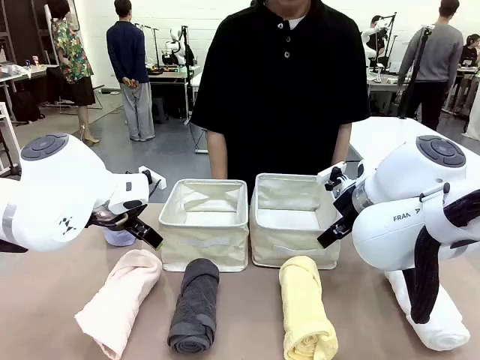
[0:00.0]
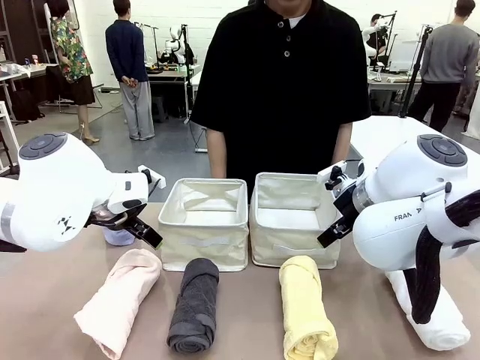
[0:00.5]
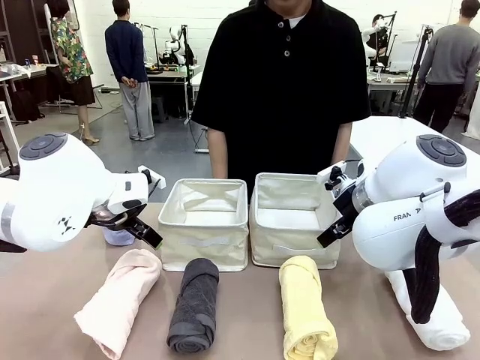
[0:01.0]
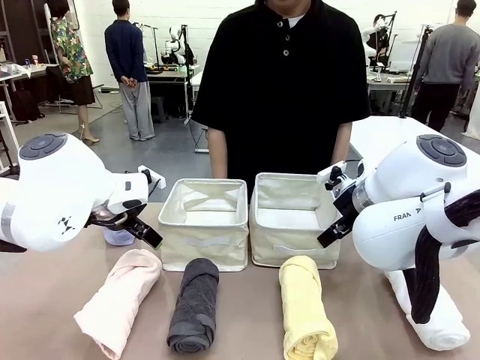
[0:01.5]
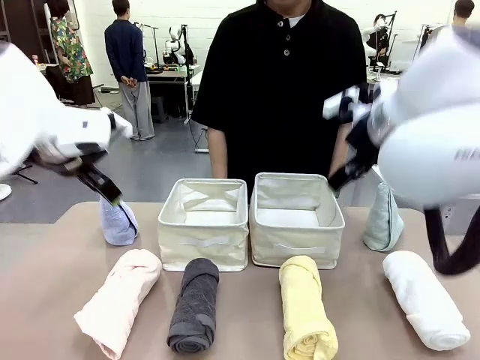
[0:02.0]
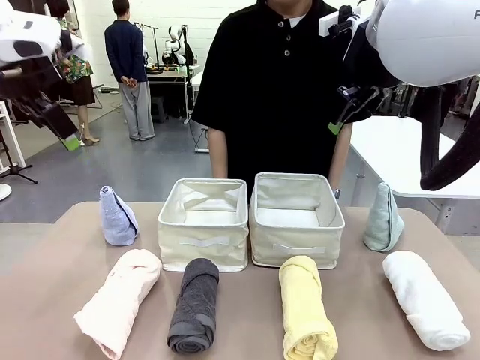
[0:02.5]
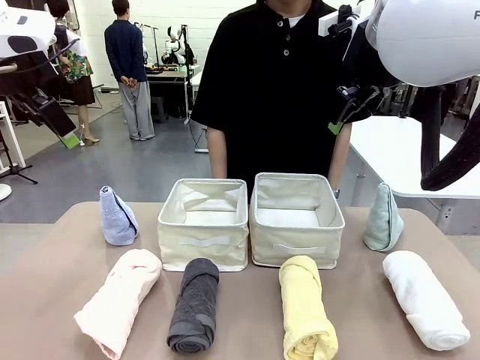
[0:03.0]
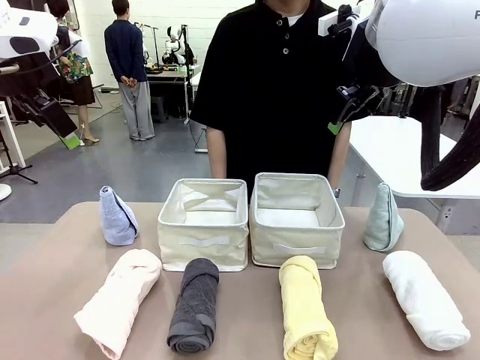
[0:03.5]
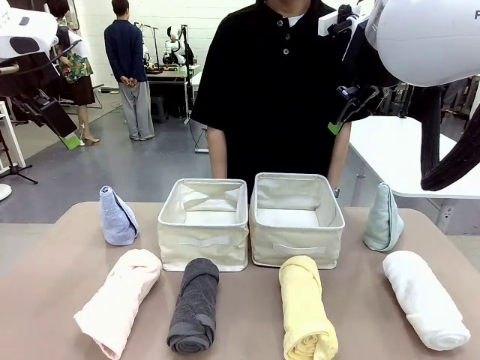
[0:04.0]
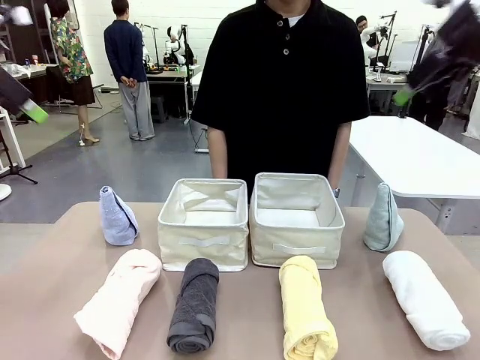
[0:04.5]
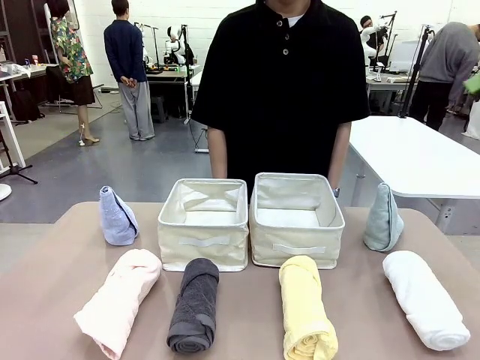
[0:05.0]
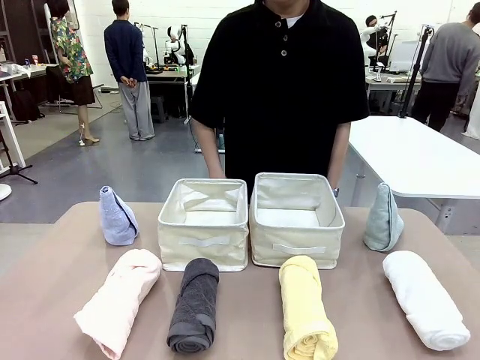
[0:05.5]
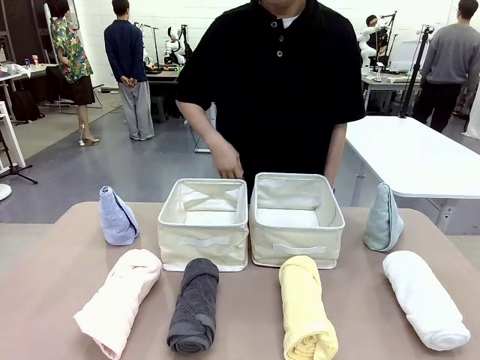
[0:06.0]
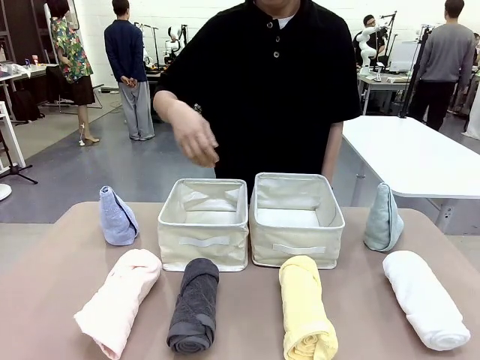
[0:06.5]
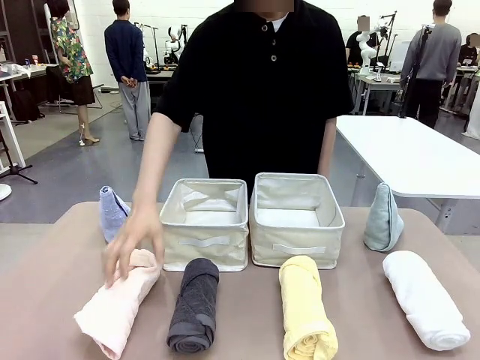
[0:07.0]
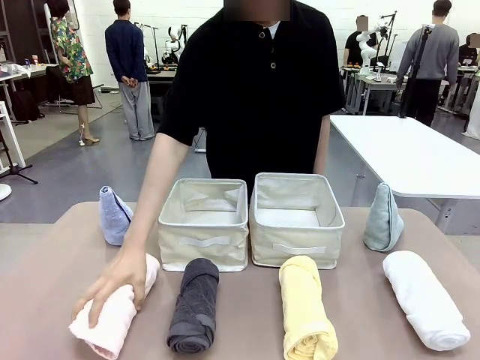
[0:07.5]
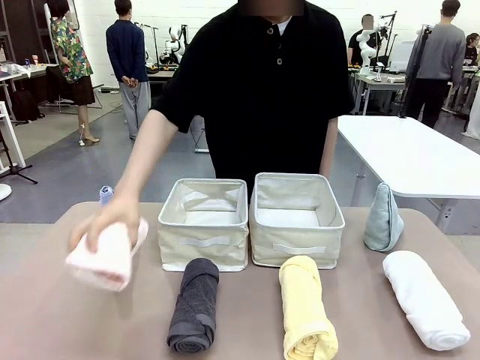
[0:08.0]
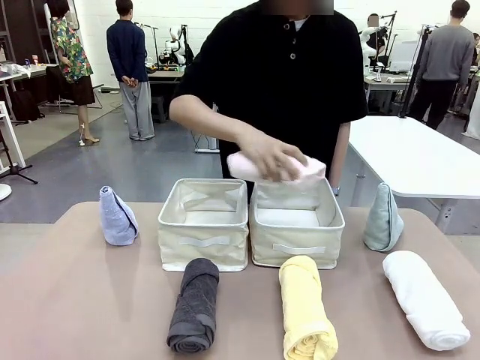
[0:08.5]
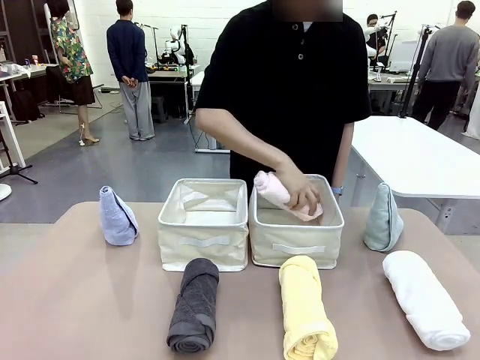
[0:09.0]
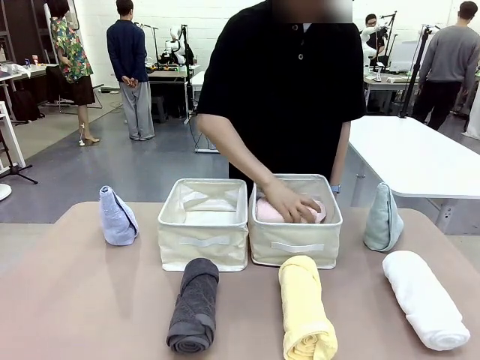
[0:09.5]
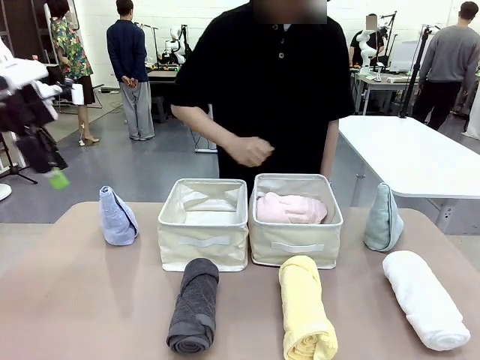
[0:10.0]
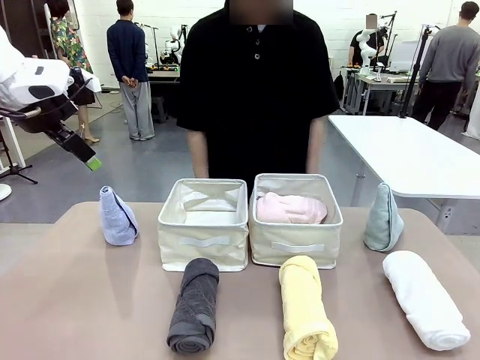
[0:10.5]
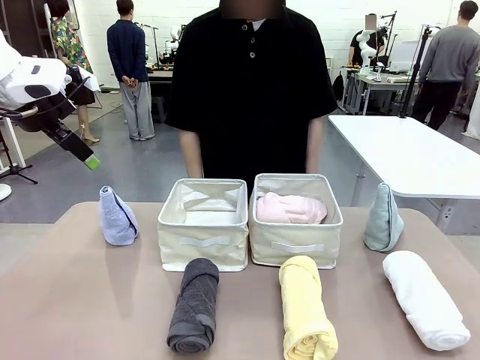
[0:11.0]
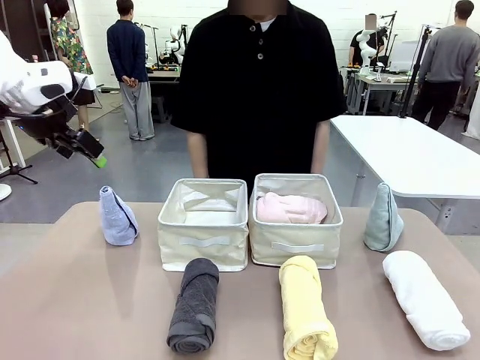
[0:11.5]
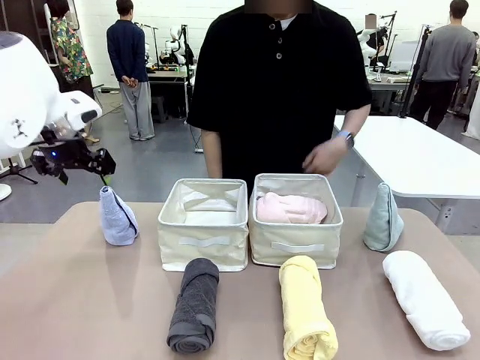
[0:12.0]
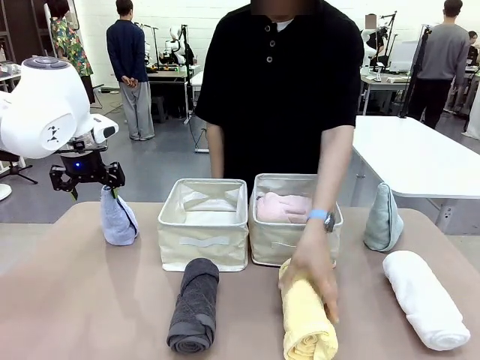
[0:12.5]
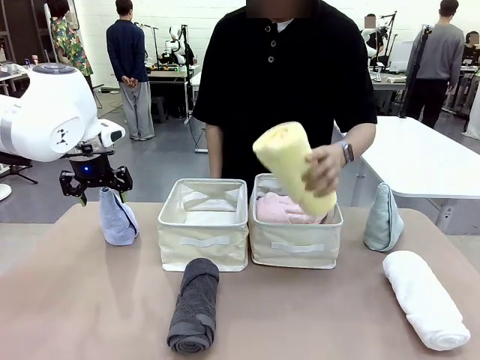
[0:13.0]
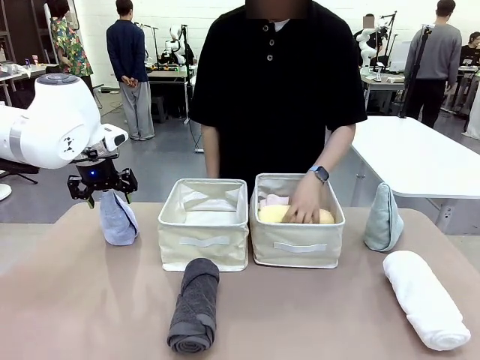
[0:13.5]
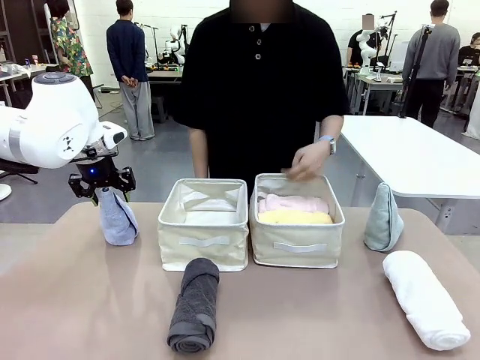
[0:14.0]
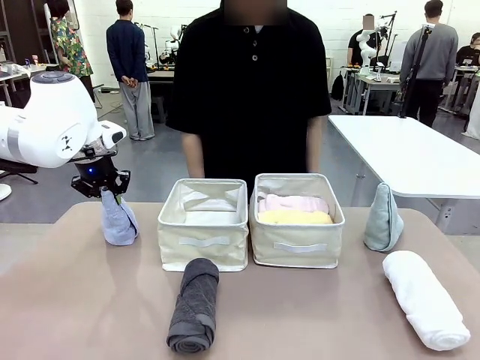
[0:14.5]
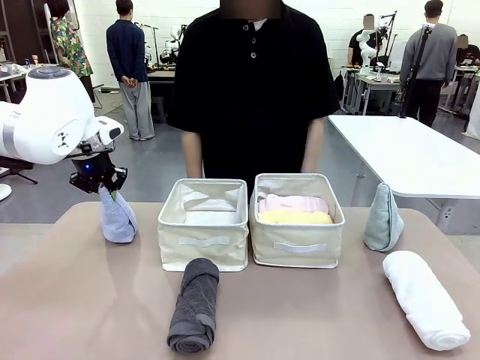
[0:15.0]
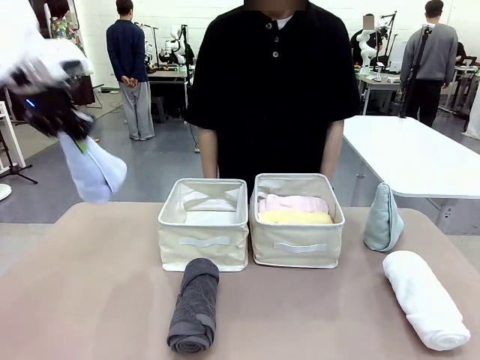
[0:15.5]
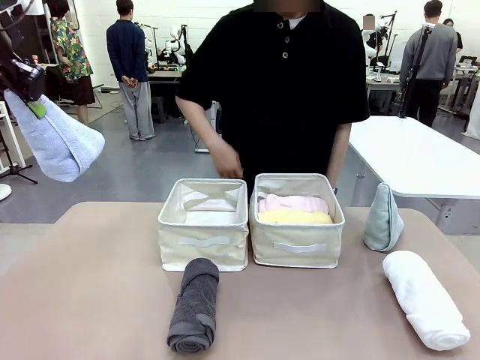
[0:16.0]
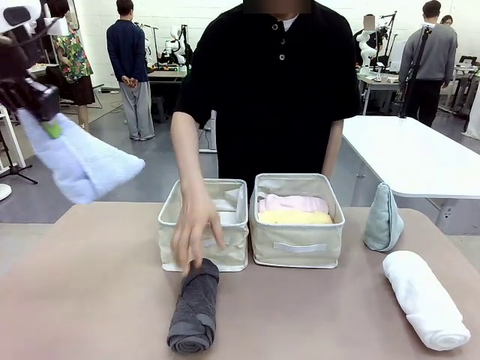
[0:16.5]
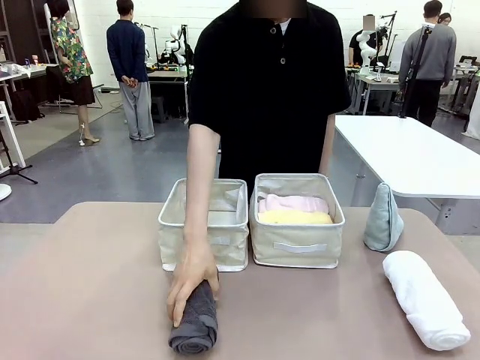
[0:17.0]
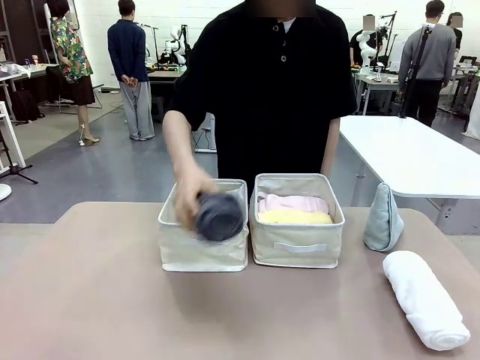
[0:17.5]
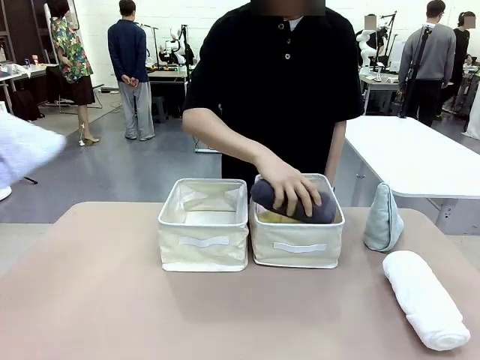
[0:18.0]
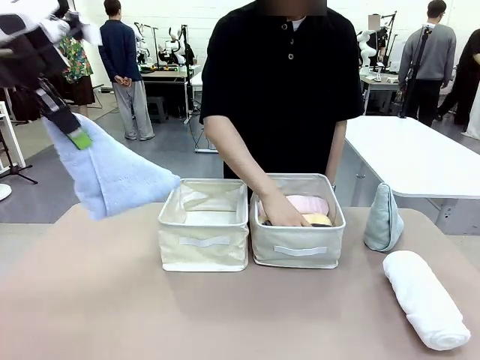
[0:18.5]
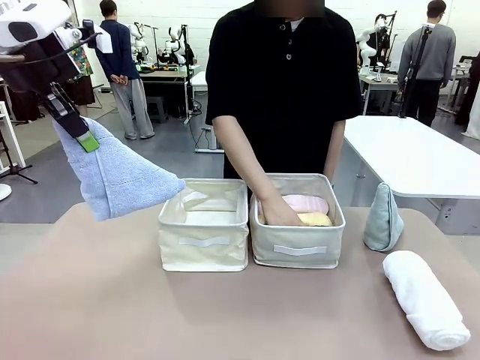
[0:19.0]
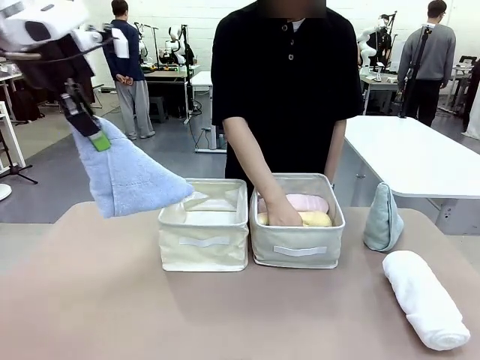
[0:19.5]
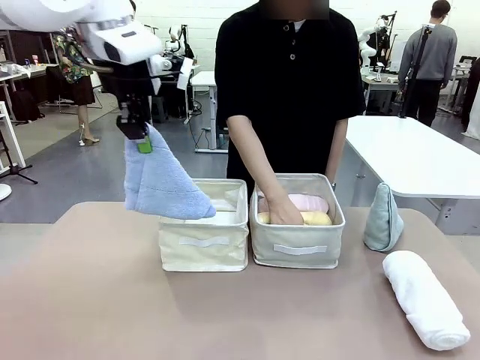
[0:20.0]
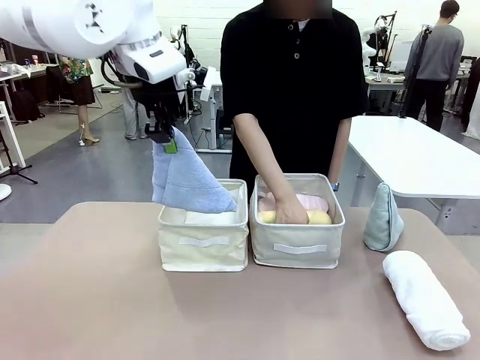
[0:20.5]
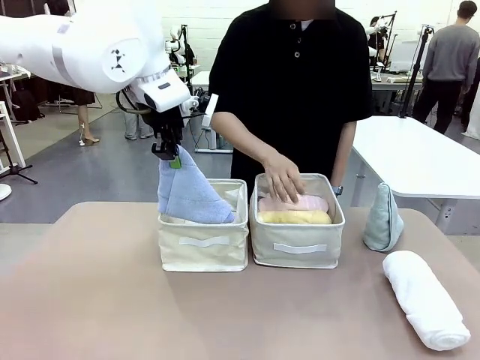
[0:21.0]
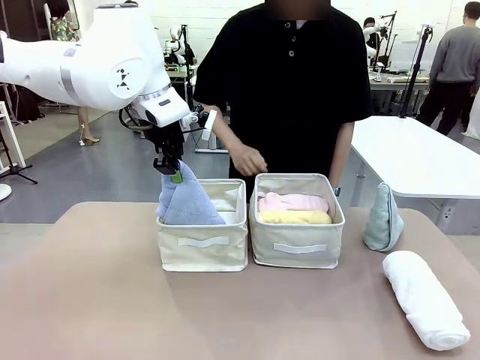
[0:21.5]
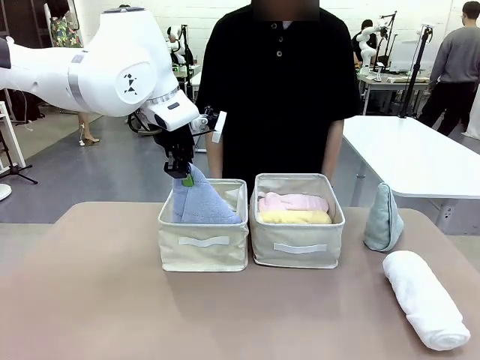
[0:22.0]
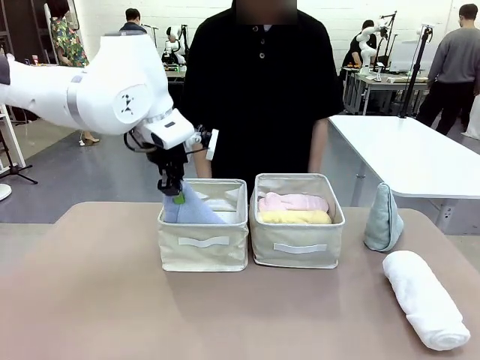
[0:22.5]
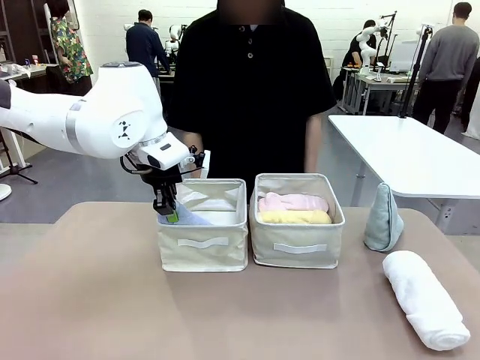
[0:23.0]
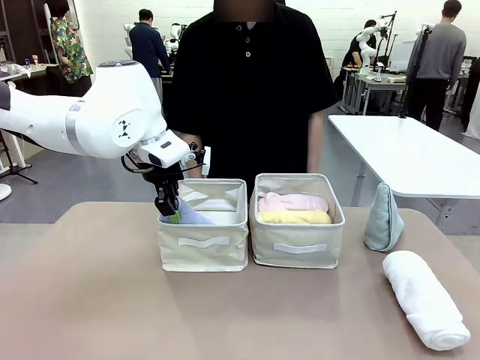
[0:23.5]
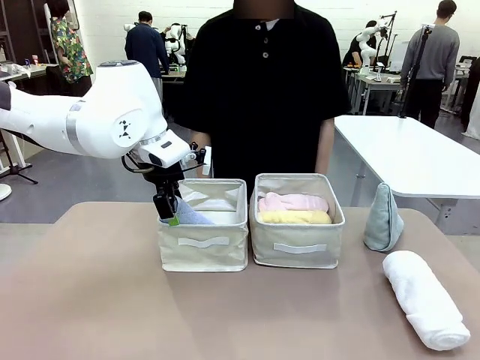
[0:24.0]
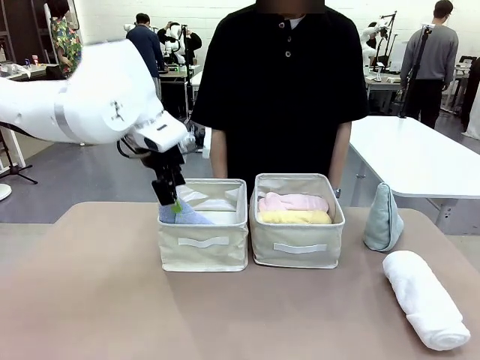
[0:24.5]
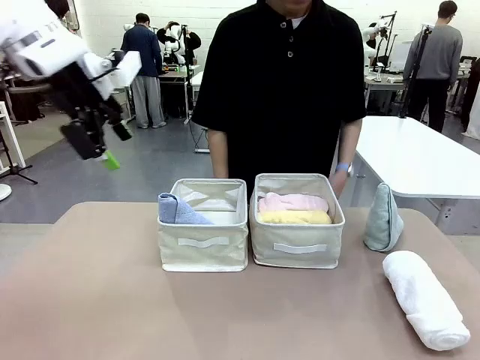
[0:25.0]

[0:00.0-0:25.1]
Task: Sort the towels based on their folding style.
Robot: Pick up one triangle-folded towel and place it in the left Fabric basket.
Person: Pick up one hotel-style rolled towel and place it in the left fabric basket.
